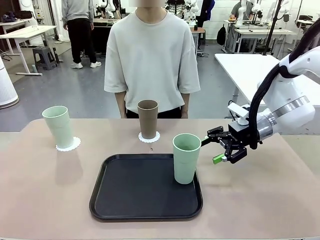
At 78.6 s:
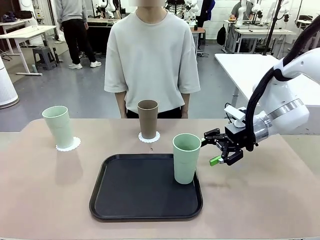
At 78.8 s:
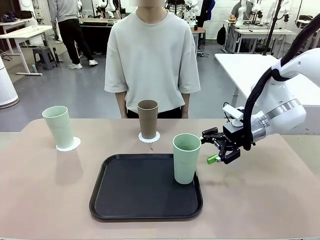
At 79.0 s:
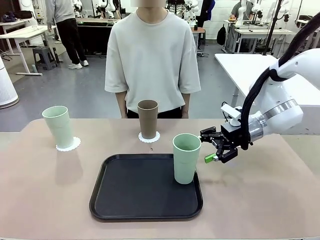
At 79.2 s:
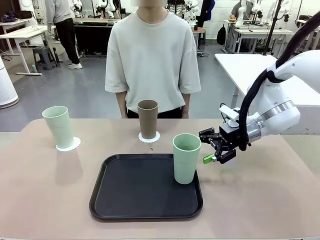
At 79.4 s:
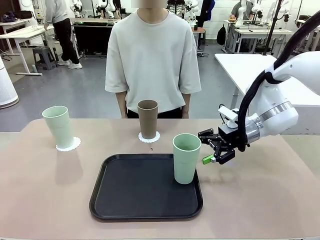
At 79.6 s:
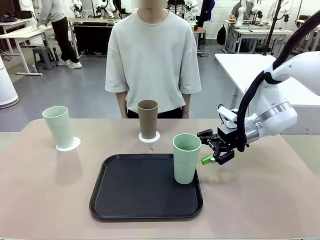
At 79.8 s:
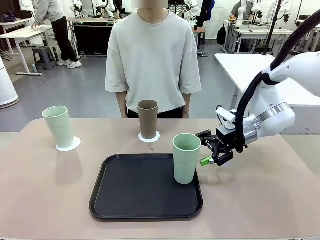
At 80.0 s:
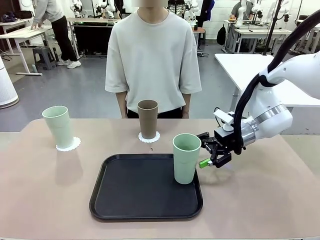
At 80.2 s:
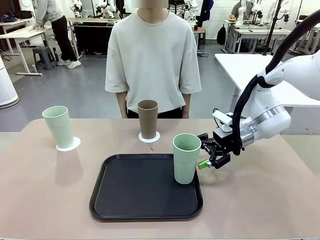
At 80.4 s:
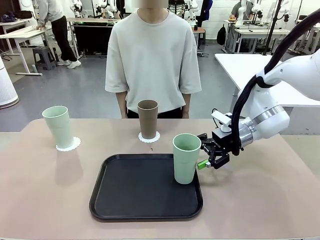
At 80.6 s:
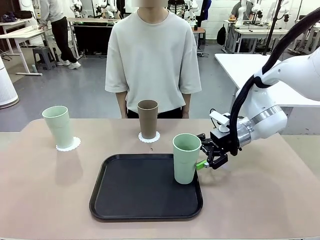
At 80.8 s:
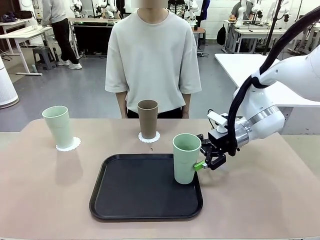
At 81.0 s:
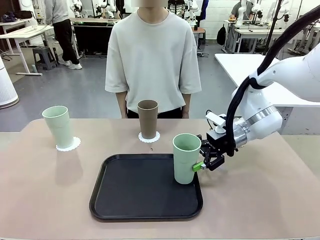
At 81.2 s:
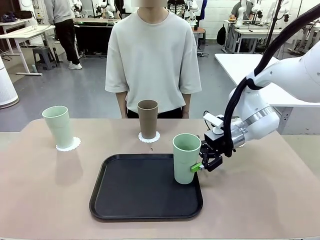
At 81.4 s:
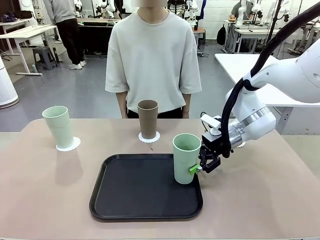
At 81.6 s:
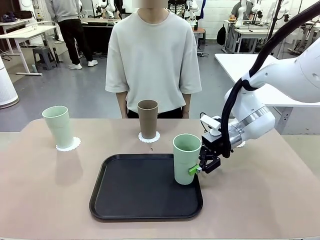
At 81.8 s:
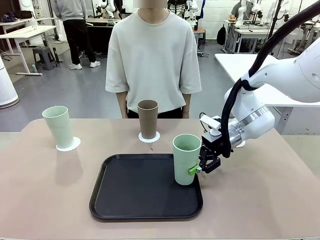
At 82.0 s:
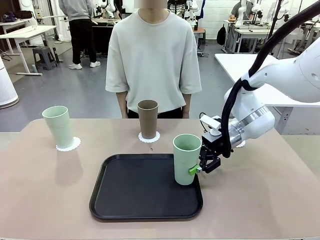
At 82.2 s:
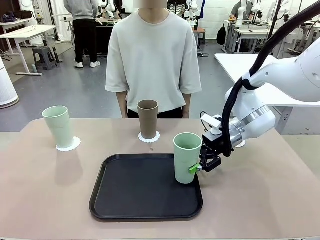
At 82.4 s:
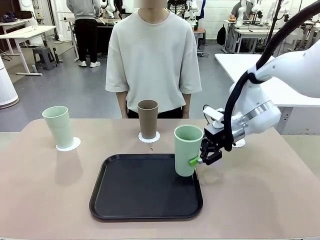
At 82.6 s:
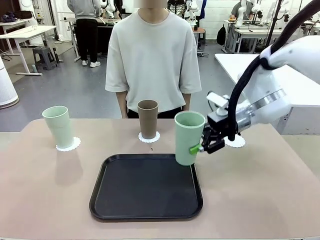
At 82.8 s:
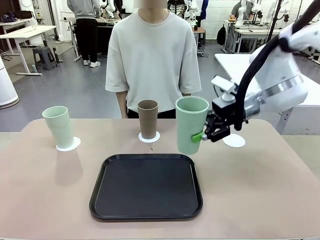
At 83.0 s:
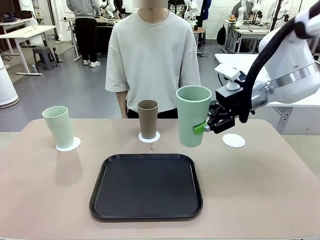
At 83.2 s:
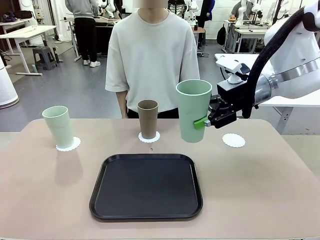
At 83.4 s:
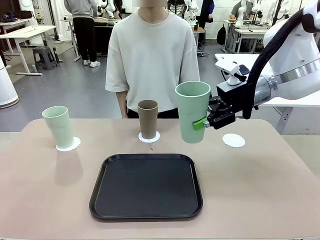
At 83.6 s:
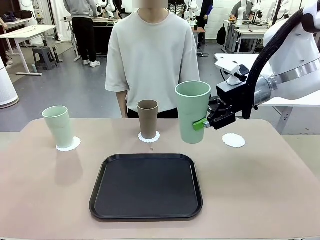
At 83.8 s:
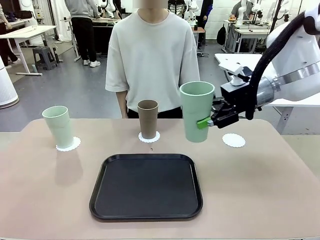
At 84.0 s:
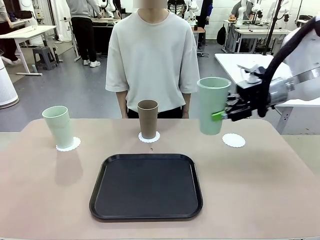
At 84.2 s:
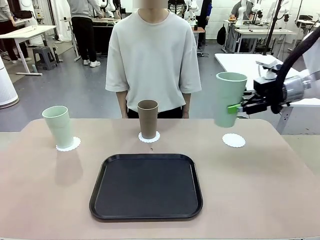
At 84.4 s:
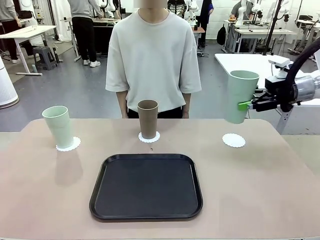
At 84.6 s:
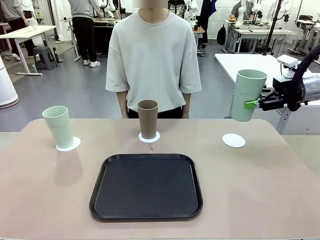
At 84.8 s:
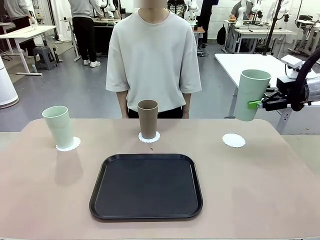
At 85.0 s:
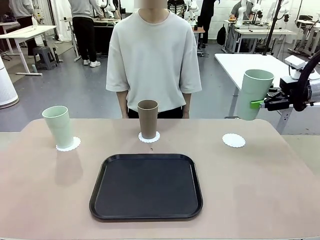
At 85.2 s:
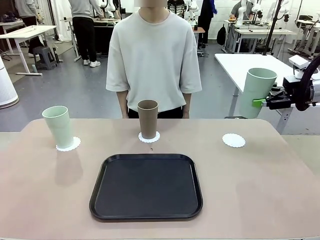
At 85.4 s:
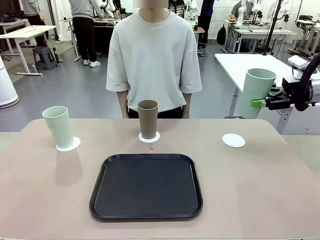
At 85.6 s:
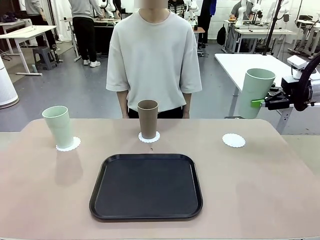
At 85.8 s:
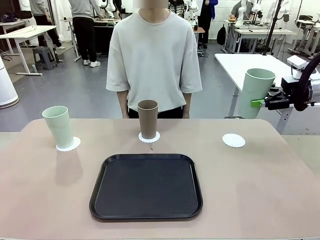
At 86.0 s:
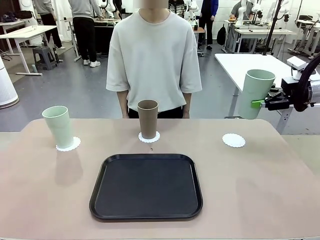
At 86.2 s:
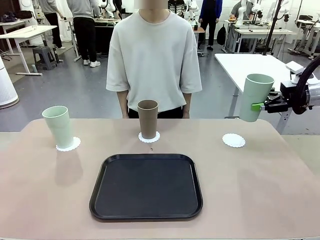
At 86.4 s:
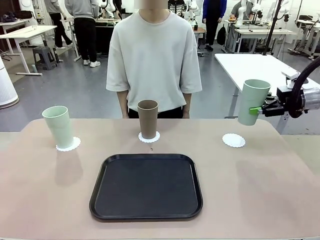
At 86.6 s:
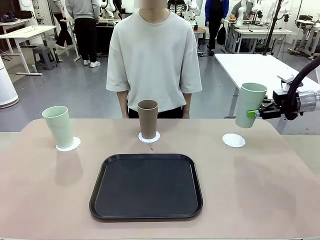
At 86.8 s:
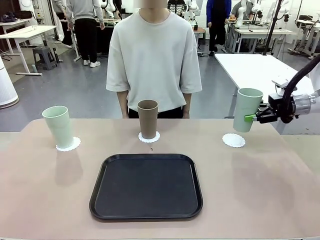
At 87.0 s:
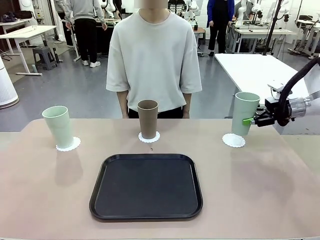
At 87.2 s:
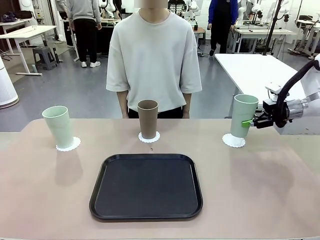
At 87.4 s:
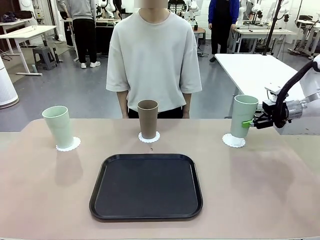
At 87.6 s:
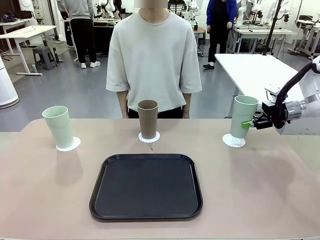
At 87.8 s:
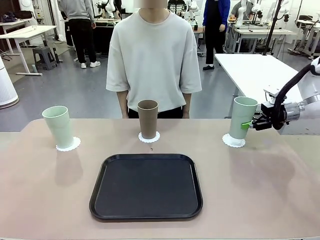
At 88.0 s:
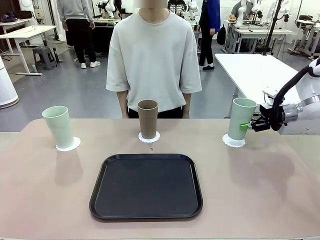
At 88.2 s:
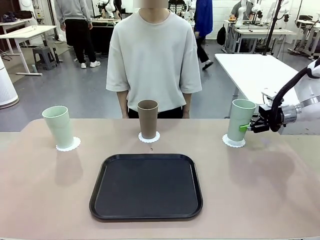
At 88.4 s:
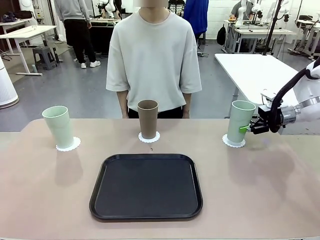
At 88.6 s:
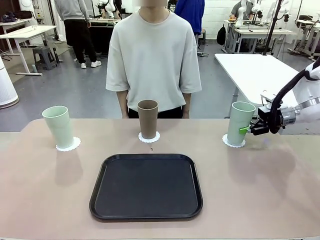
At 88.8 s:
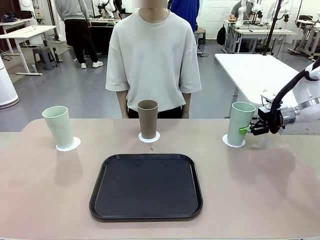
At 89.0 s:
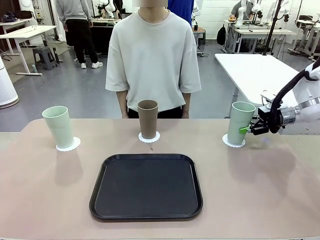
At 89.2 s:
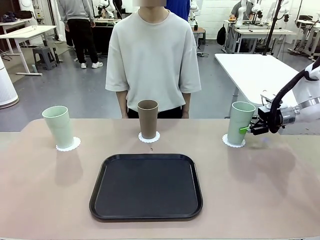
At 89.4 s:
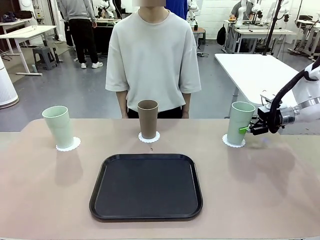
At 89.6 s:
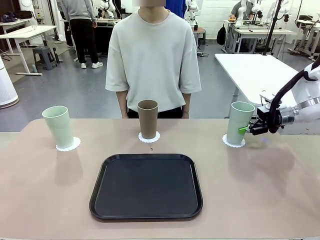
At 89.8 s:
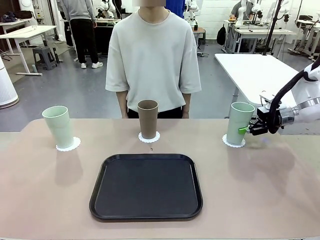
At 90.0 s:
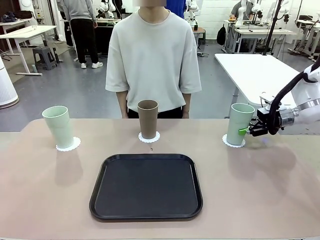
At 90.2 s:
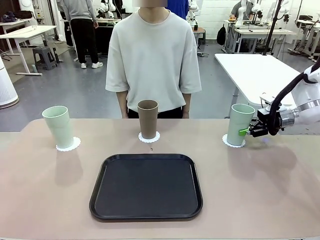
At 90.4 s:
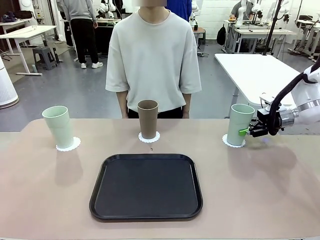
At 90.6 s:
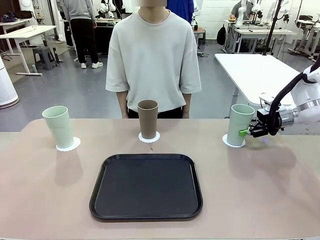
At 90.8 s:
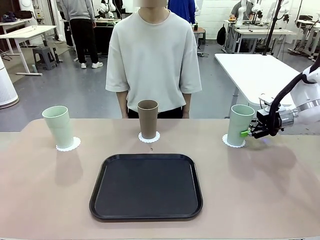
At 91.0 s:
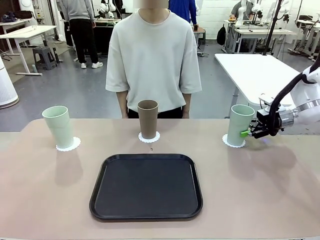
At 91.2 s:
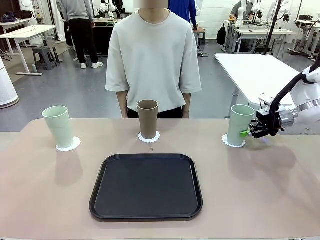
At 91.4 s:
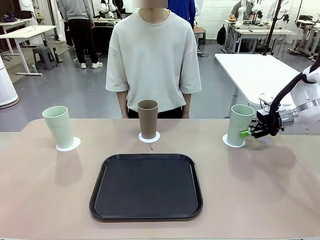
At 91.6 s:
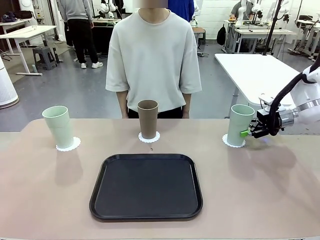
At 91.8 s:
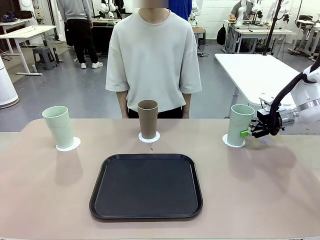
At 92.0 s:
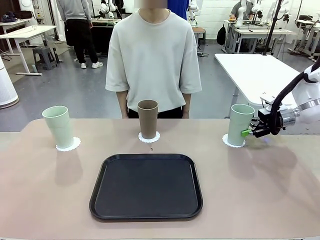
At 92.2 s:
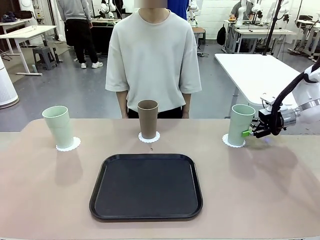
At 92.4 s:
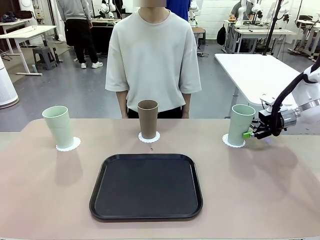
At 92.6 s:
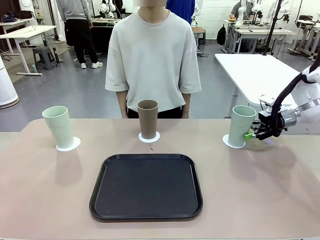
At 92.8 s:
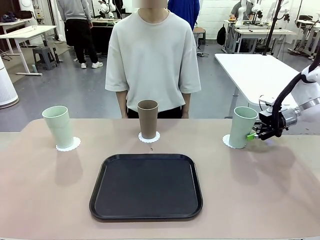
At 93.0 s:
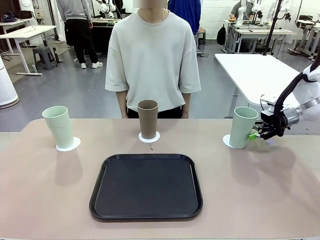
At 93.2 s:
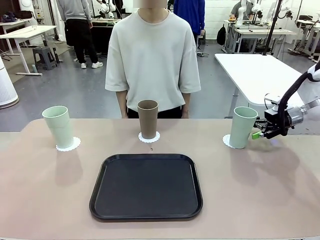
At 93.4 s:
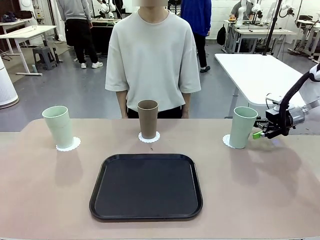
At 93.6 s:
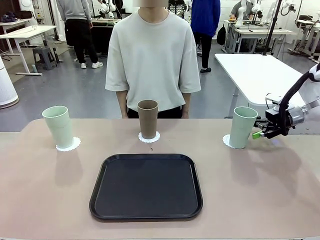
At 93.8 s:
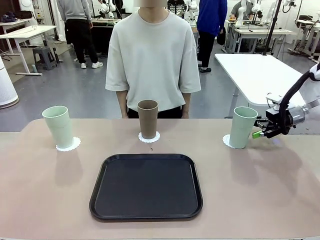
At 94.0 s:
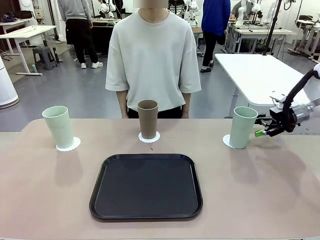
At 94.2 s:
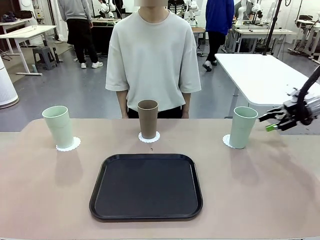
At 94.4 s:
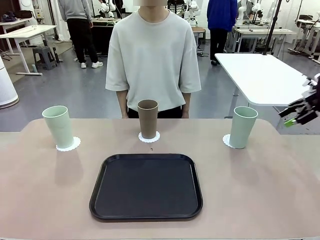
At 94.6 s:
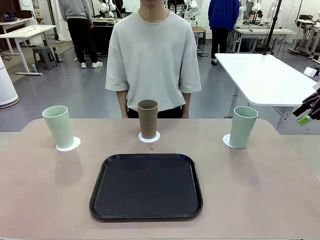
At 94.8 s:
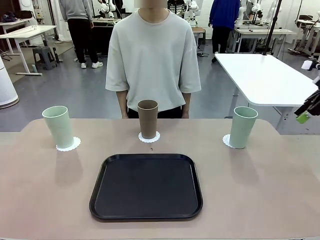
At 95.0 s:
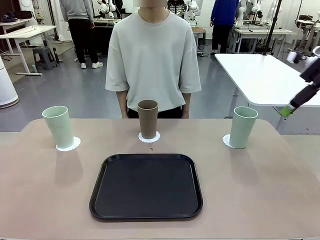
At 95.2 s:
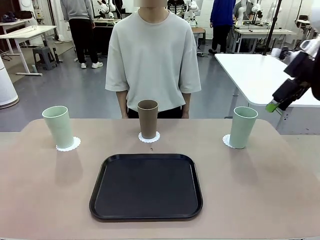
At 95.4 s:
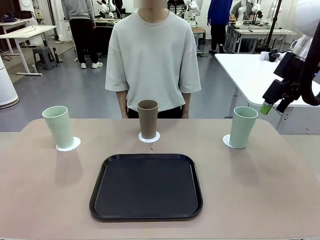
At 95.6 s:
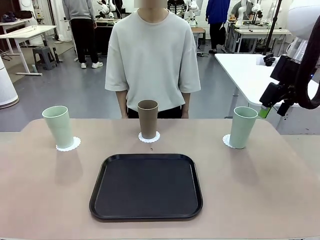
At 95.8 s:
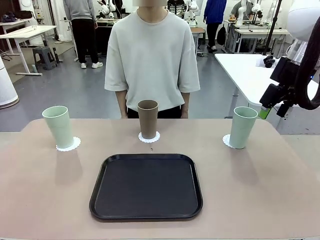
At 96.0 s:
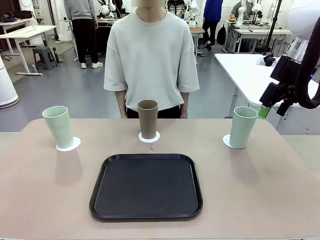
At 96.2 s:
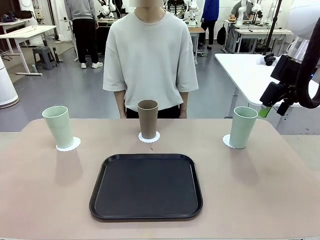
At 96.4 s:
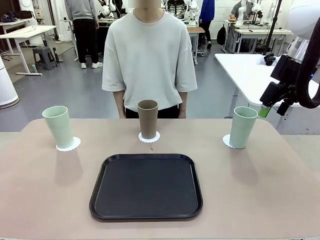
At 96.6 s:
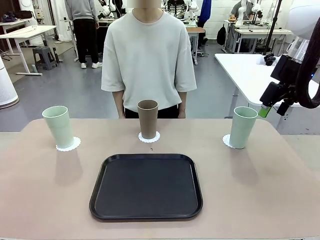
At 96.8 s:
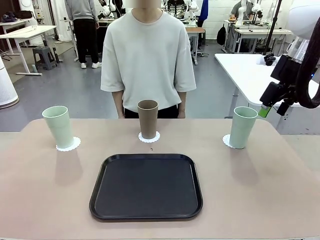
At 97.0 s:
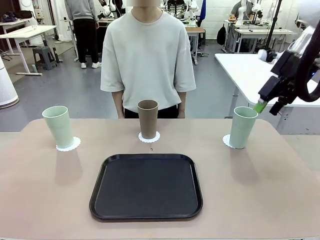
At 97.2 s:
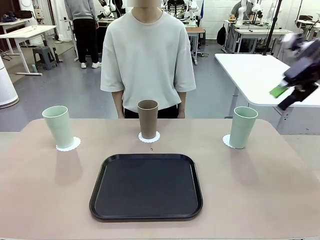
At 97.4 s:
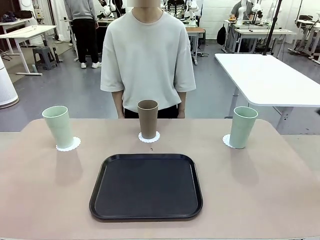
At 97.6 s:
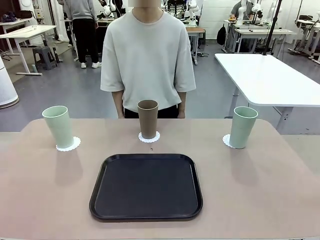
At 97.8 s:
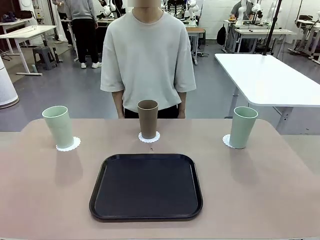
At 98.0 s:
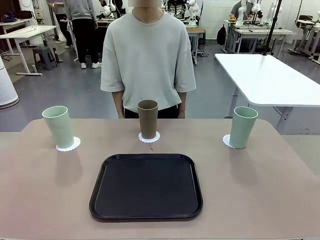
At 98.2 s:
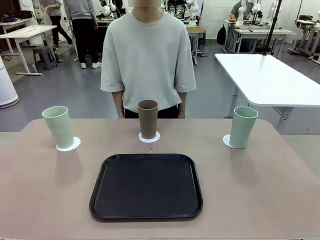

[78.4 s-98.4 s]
Task: Place coasters on the table and set cups on them.
Robot: Take one Reusable plastic cup from the Flat Tray and place it on a coaster set by the human.
